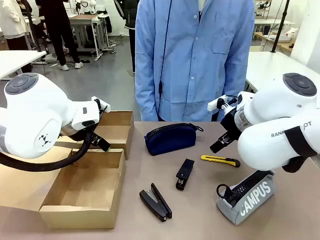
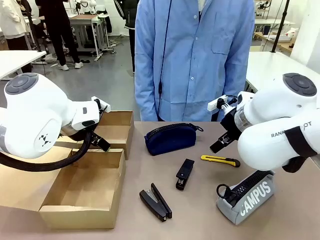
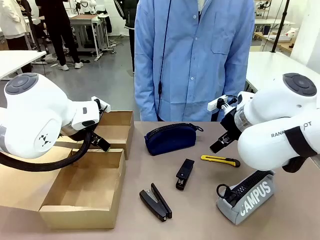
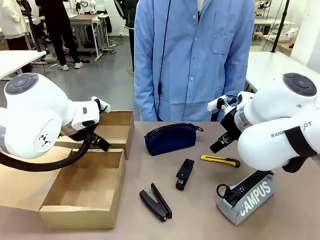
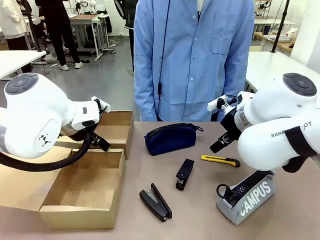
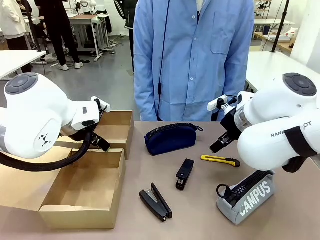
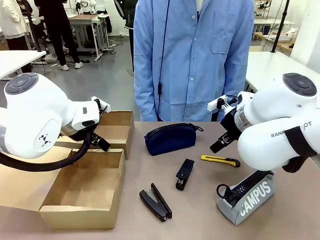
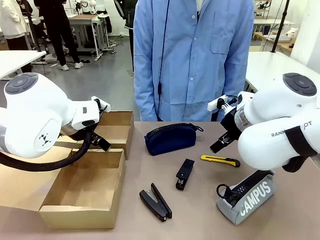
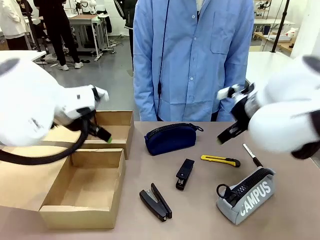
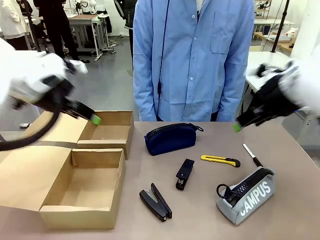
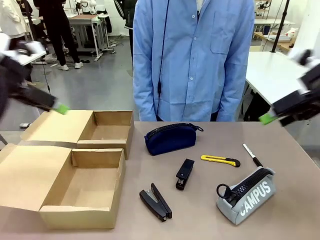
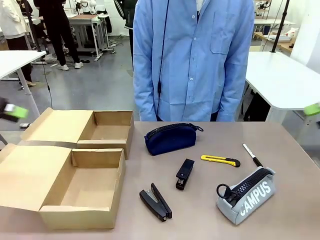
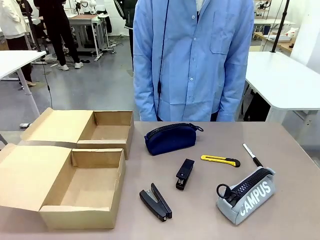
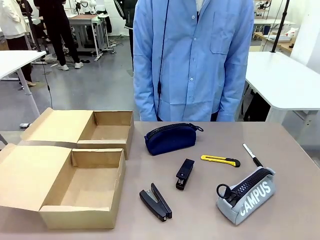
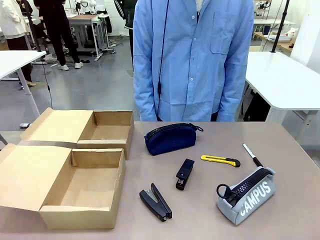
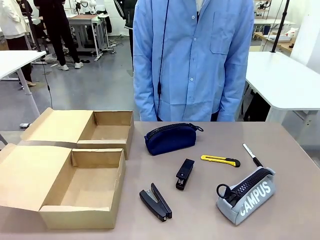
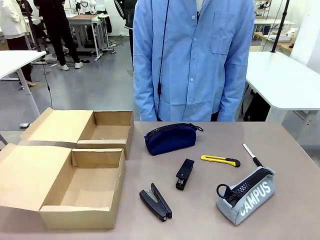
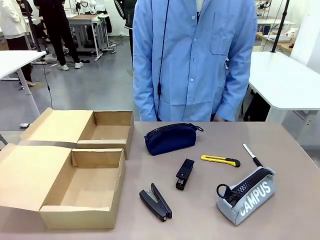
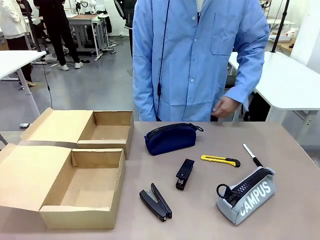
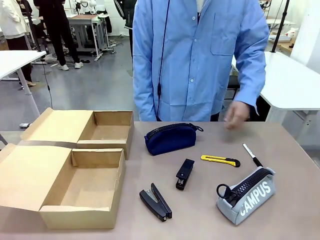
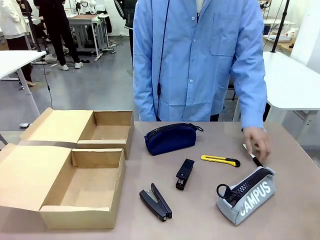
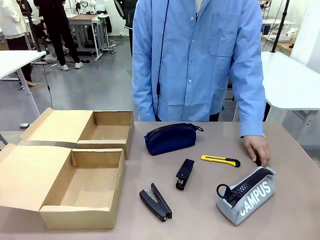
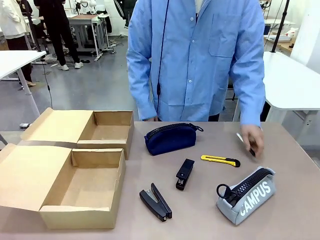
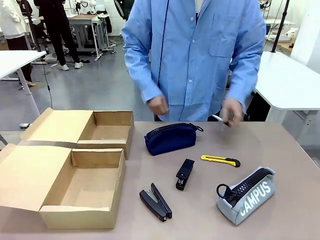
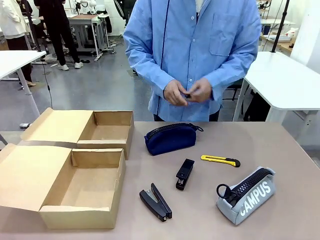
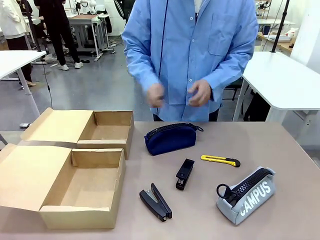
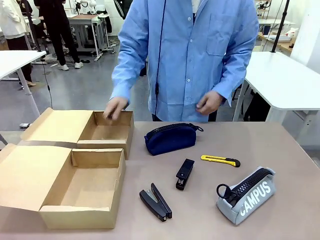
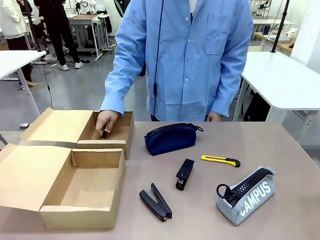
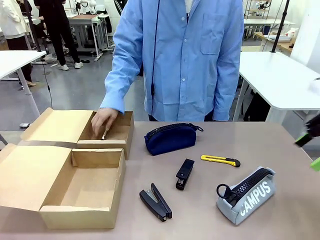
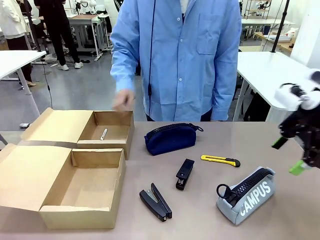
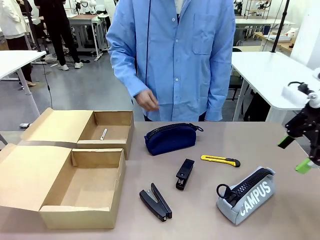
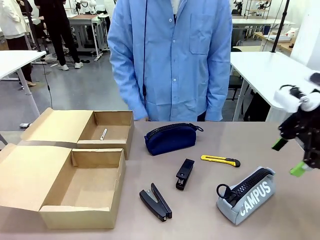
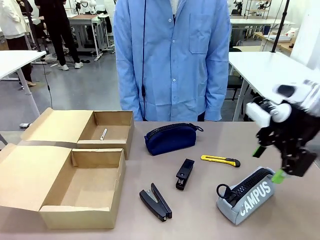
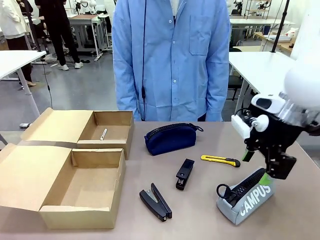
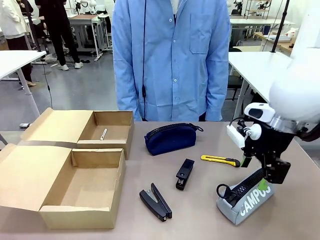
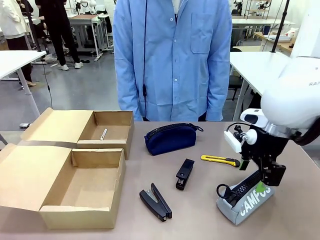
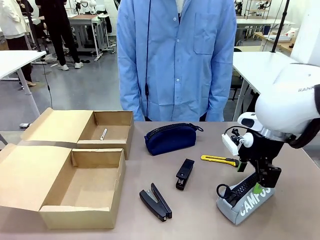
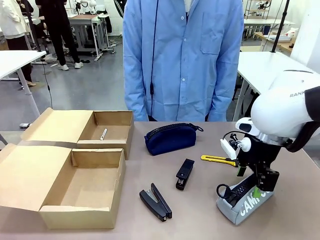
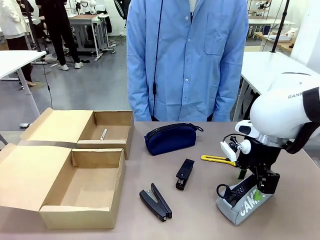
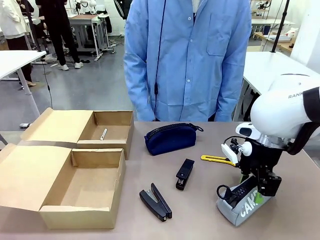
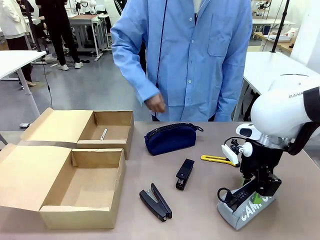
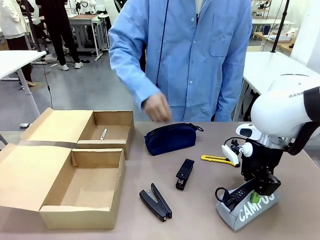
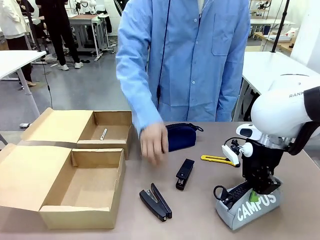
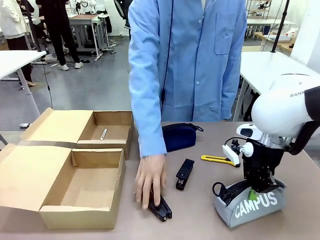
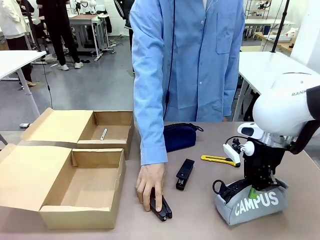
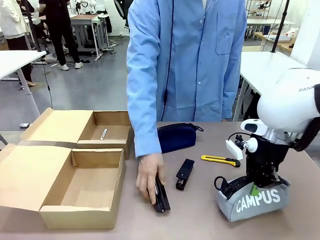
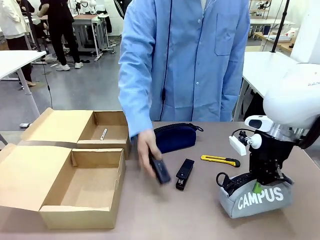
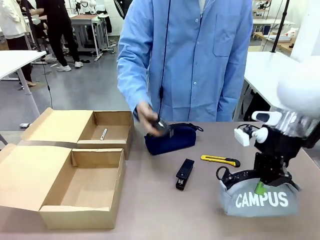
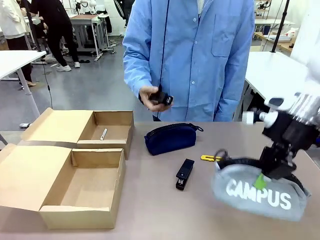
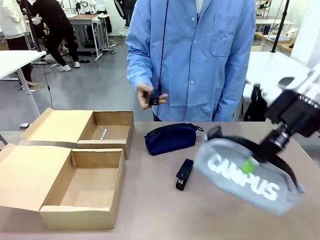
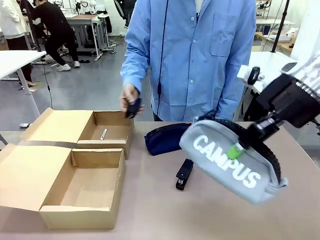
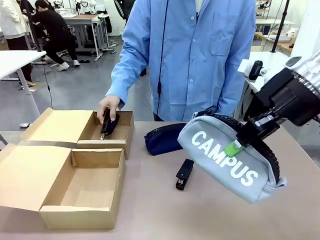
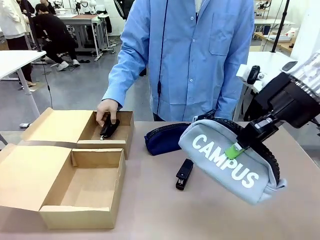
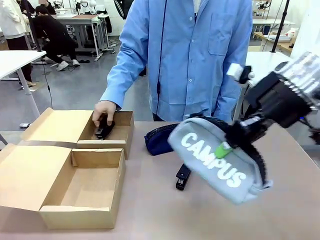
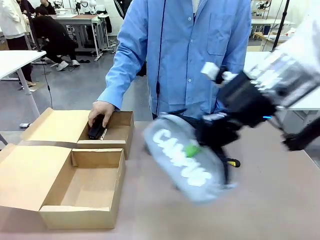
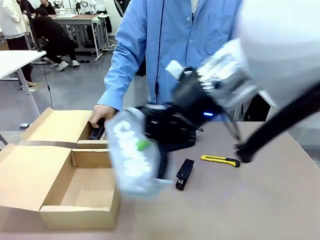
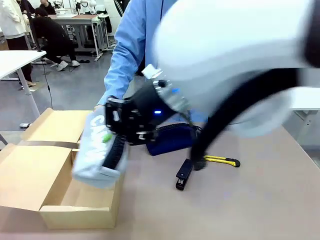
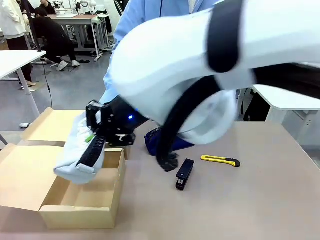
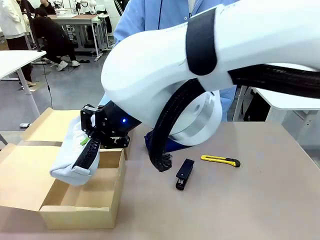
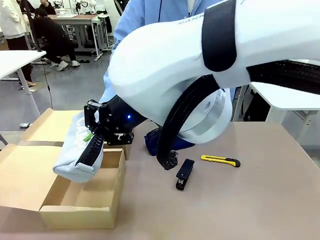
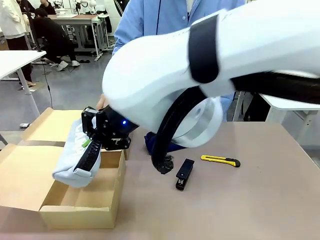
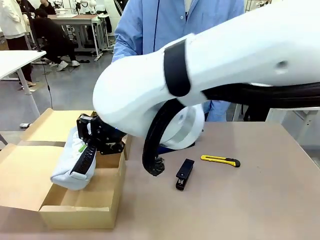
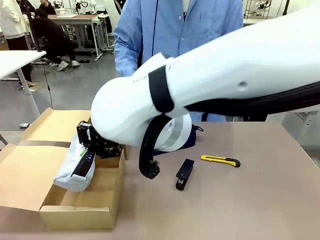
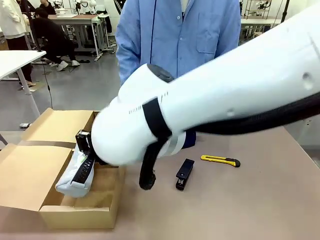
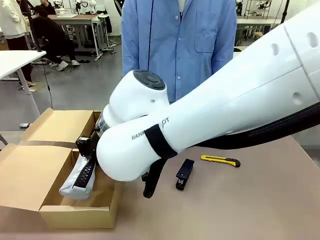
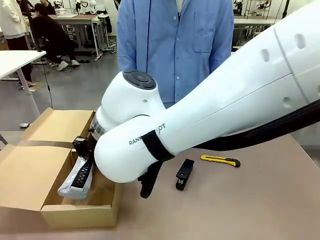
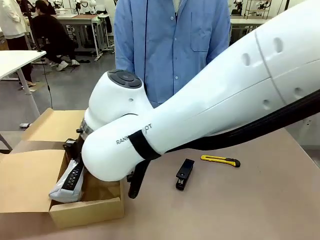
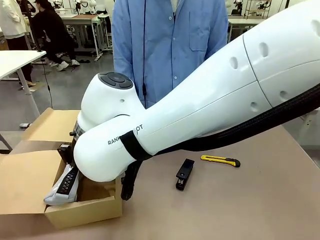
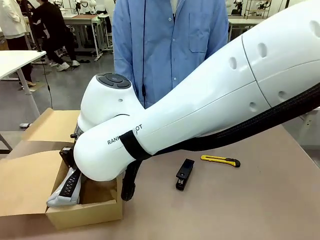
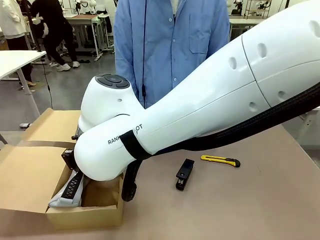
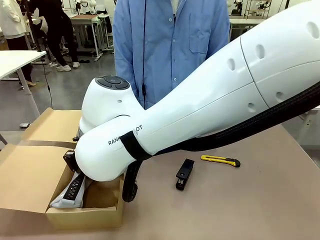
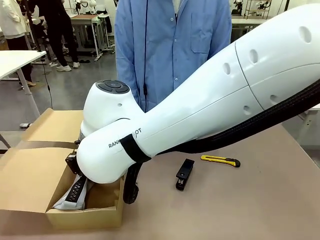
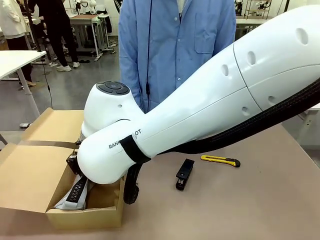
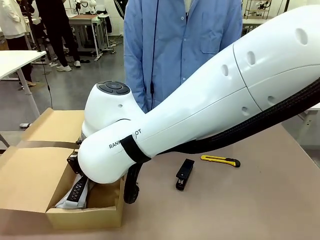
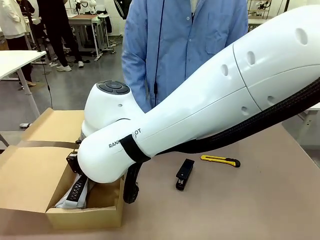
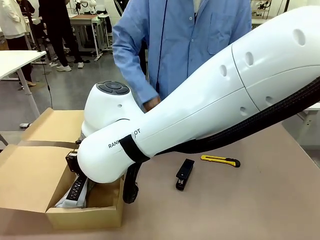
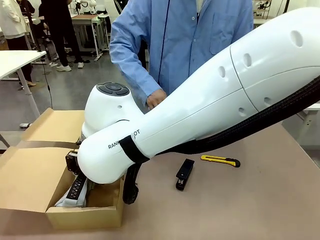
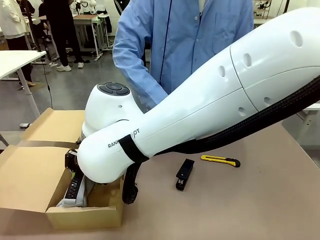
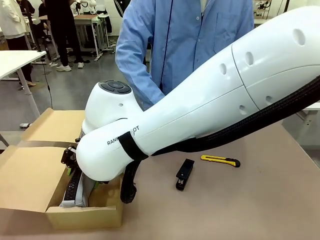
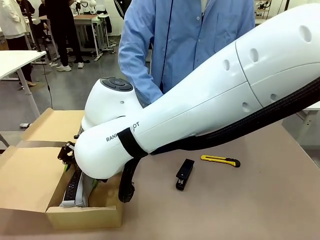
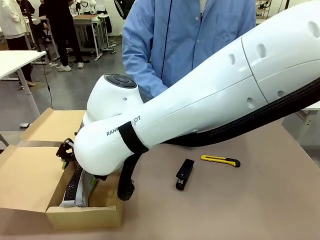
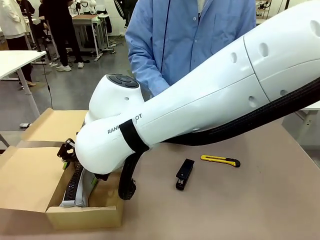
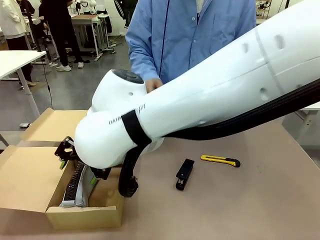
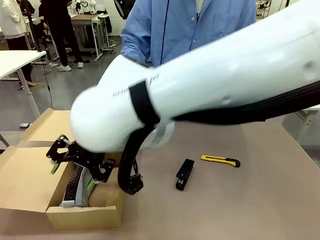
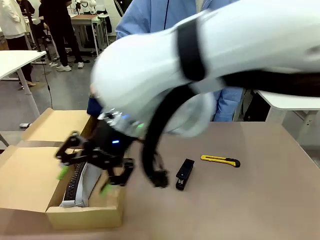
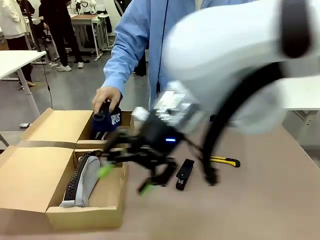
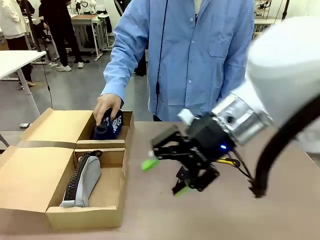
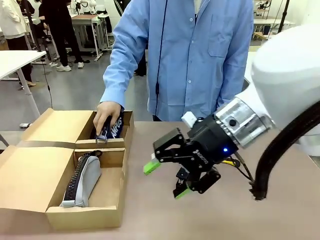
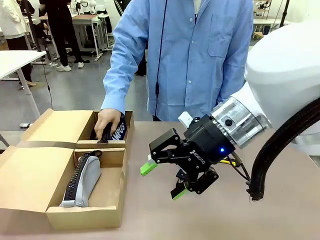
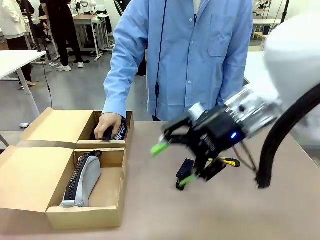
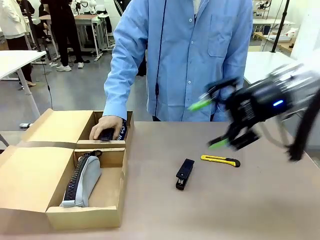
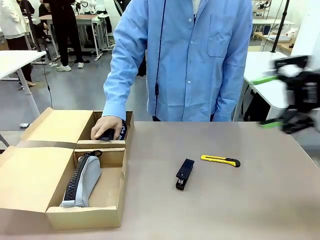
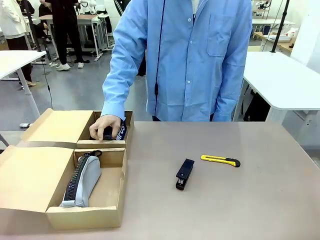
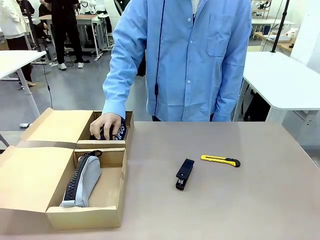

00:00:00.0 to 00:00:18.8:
Task: Place items inside the box.
Robot: Pick up a Pencil pouch or Stapler and place it inside the Mailer Box closest to the robot.
Person: Pick up an object on the table and put it in the box.
